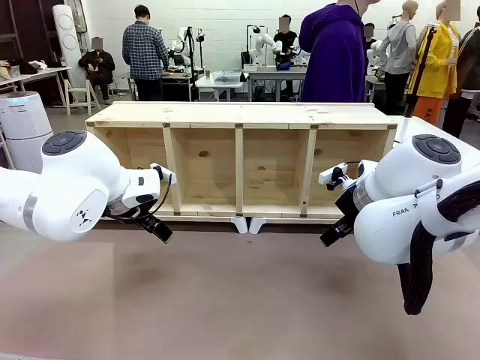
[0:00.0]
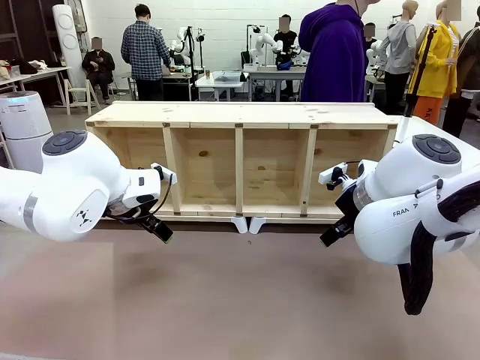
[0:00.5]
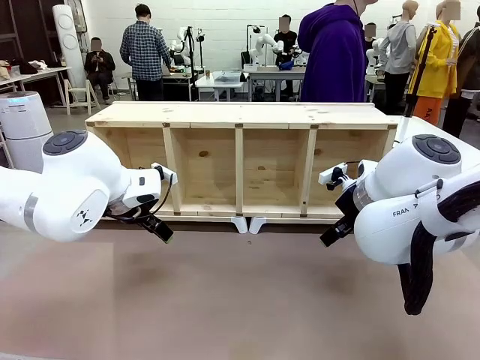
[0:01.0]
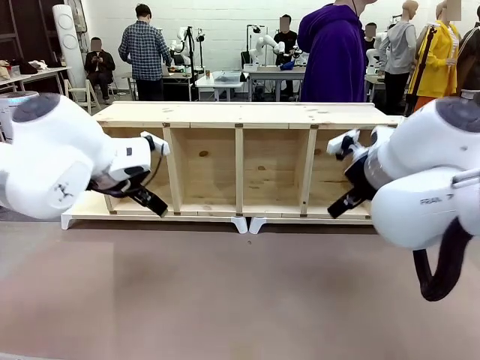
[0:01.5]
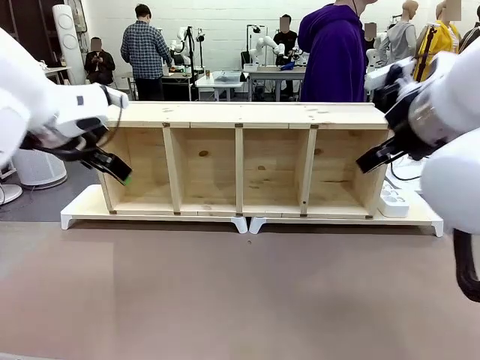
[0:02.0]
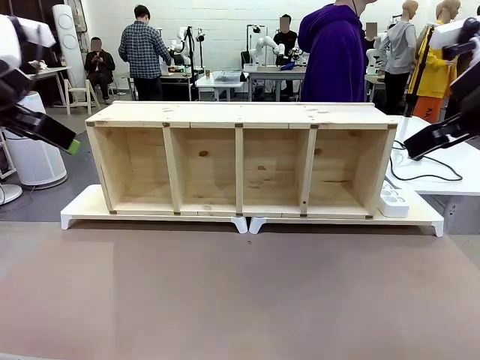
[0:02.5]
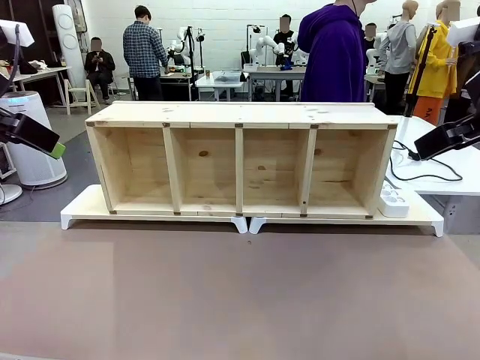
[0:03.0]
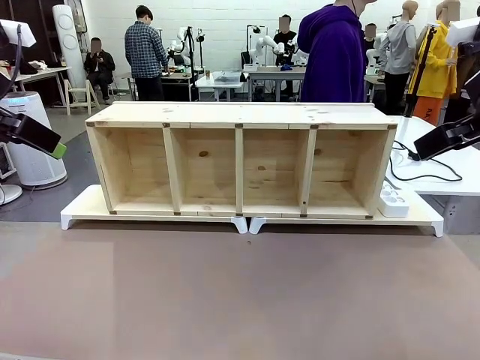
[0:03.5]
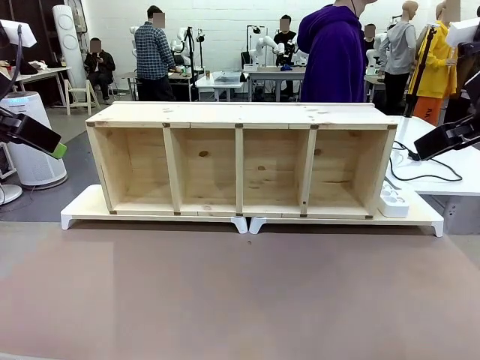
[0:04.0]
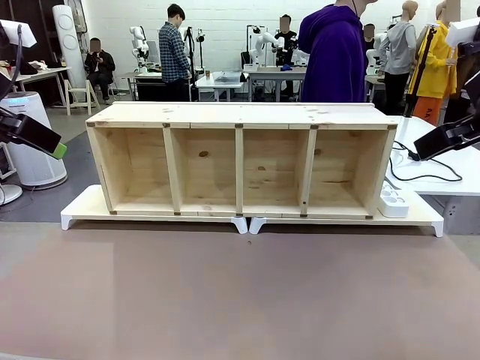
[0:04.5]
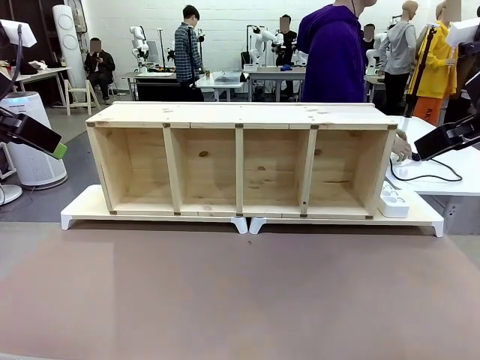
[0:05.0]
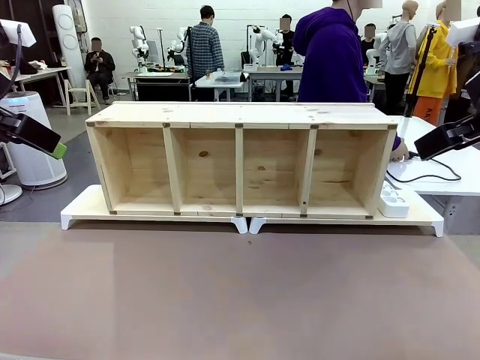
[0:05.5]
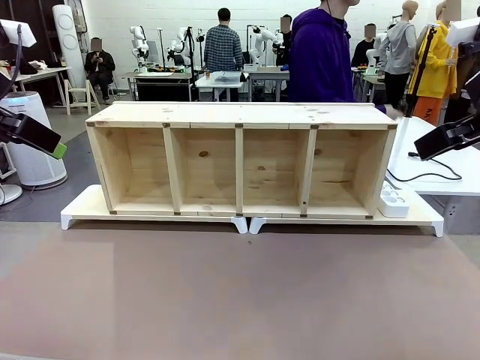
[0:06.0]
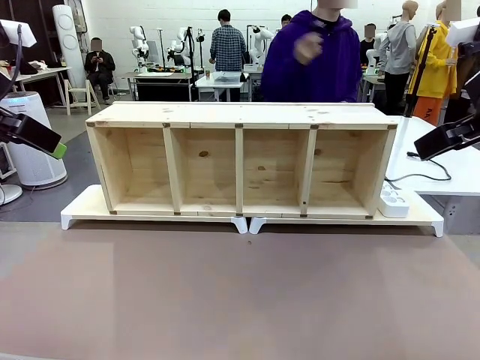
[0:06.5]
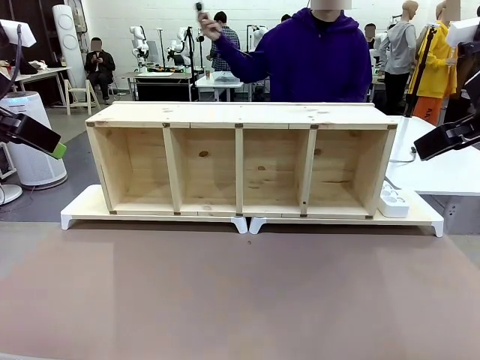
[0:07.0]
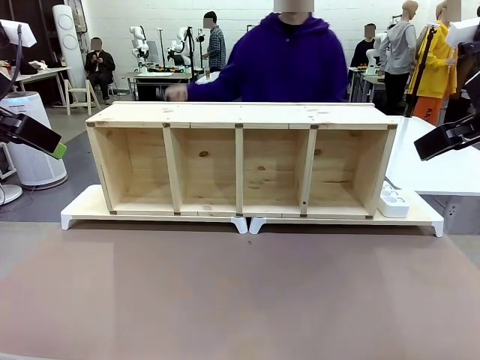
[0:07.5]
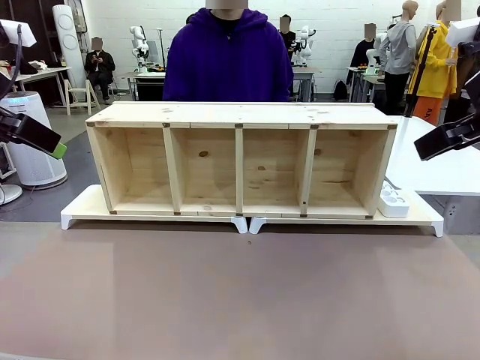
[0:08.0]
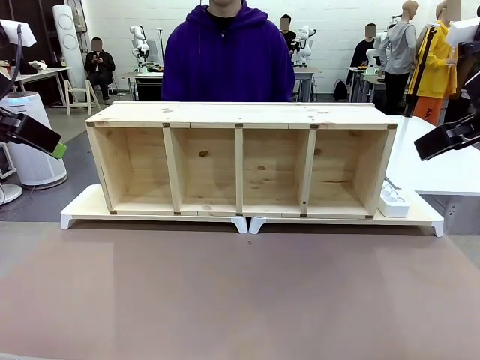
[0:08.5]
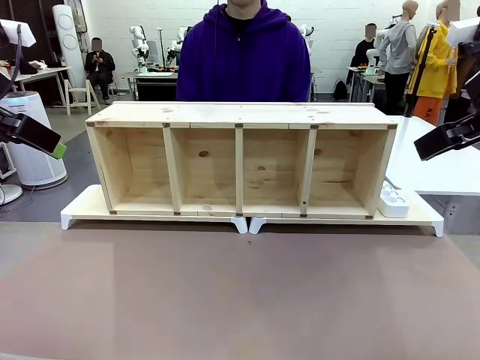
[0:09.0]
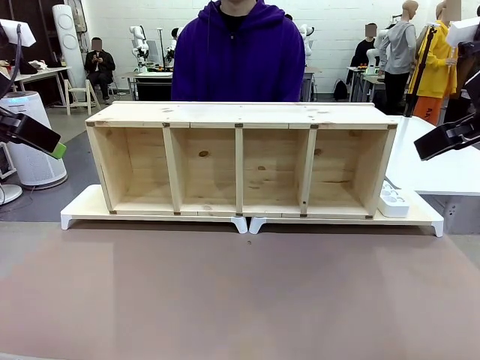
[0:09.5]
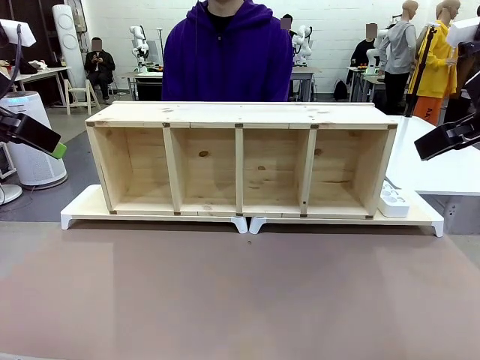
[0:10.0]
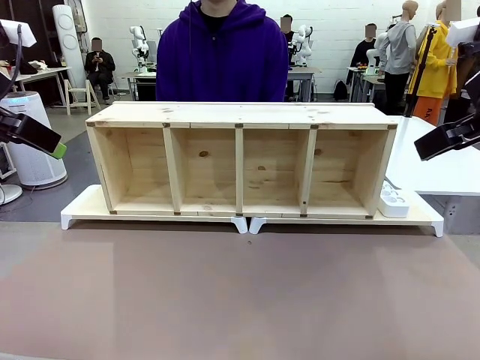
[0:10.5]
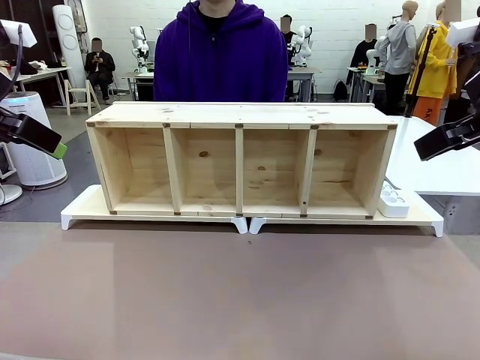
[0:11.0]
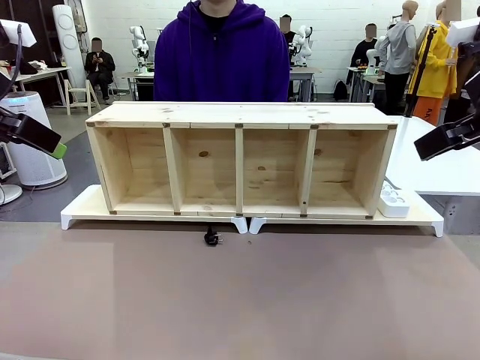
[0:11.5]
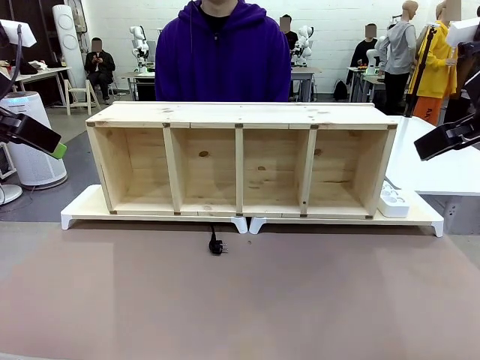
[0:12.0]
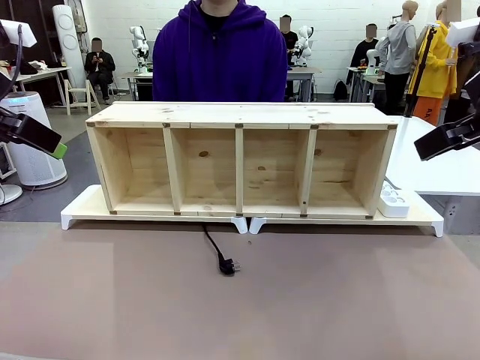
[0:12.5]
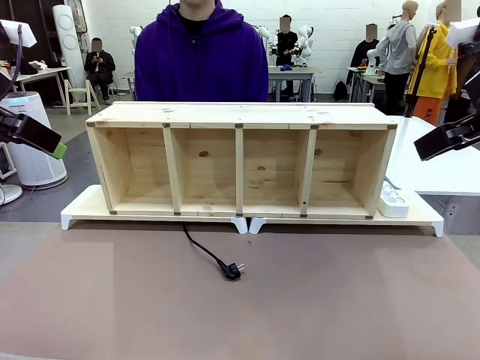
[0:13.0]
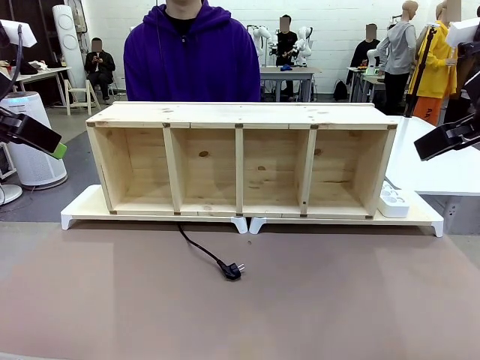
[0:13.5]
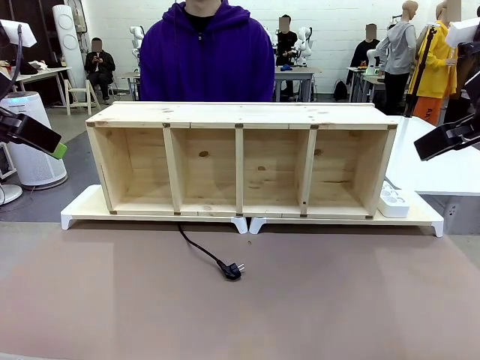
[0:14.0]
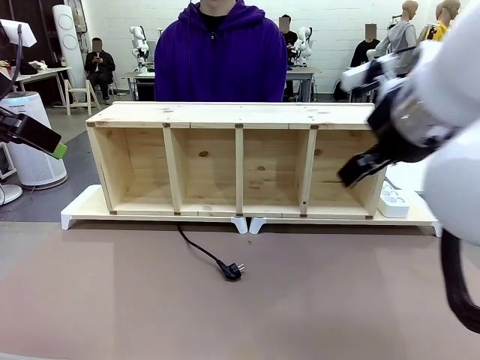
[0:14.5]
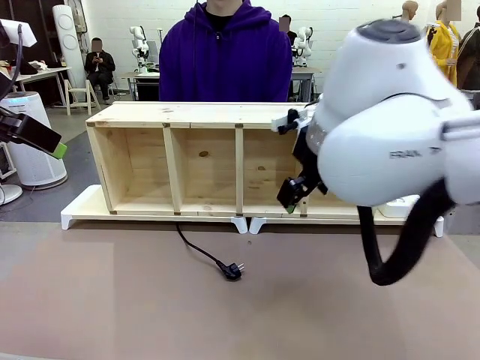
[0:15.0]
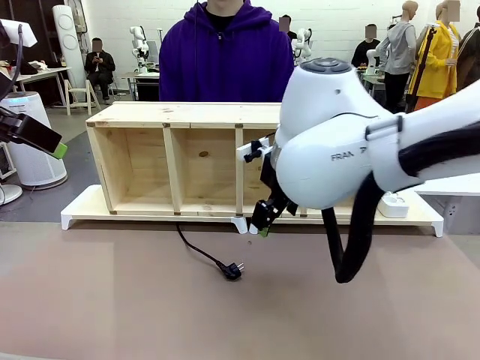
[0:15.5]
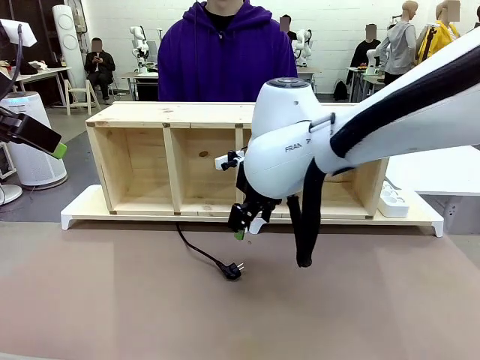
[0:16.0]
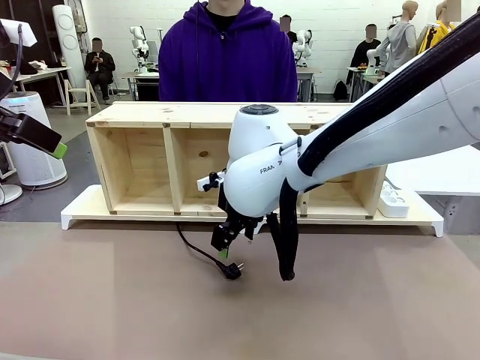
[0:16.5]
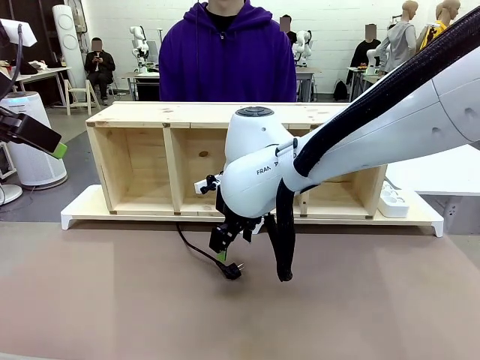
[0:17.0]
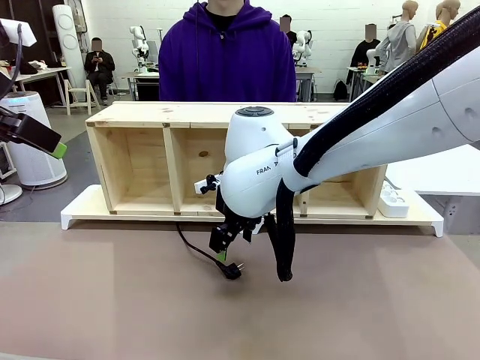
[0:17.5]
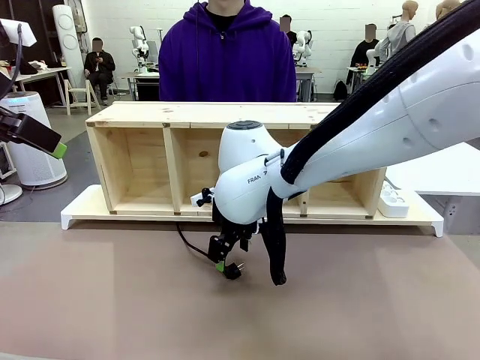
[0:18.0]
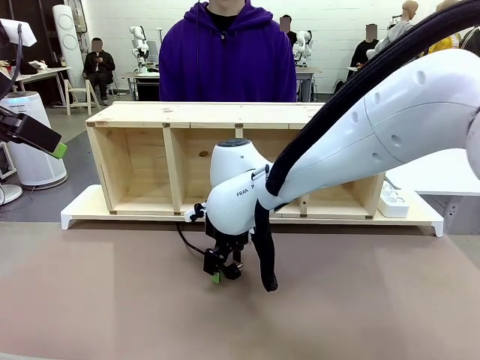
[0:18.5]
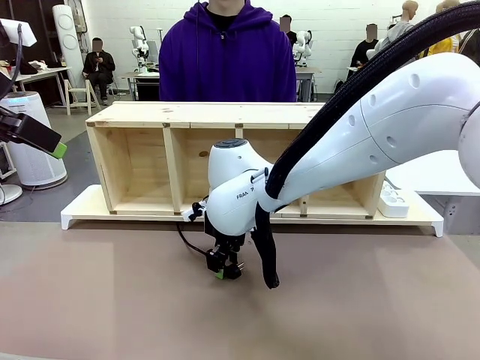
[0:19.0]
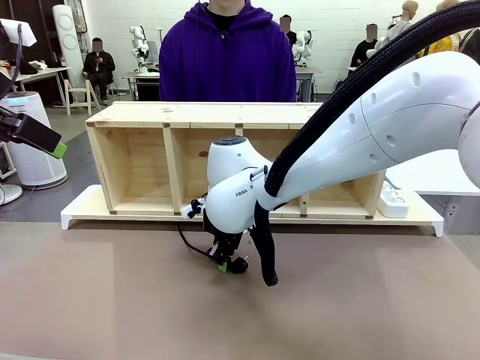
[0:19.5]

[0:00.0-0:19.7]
Task: Perform cable management.
Robot: When the cord part of the Power Cable appears at the lower middle area of the table and stops, grasp the cord part of the Power Cable.
Person: Pass the Power Cable under the Serving Table.

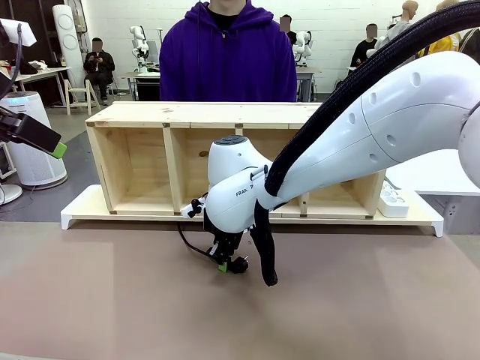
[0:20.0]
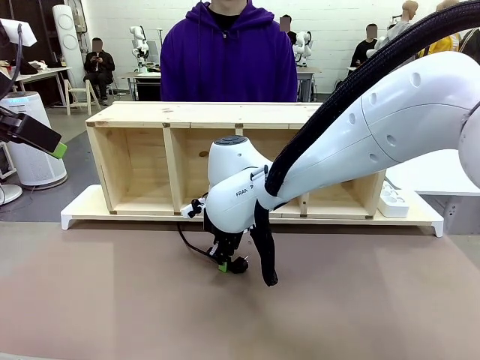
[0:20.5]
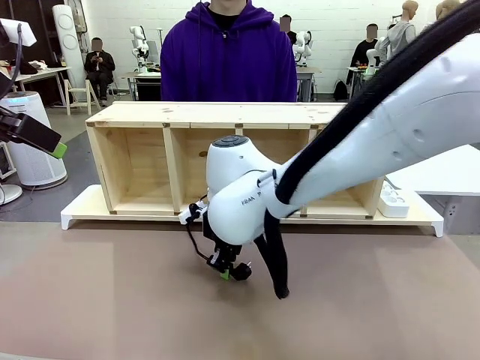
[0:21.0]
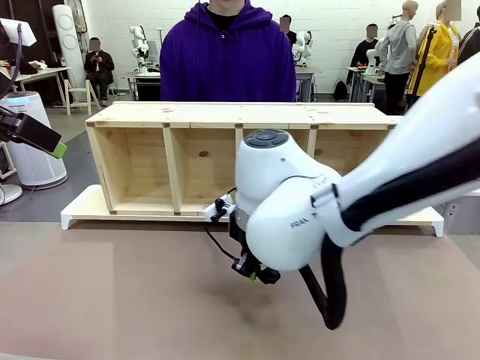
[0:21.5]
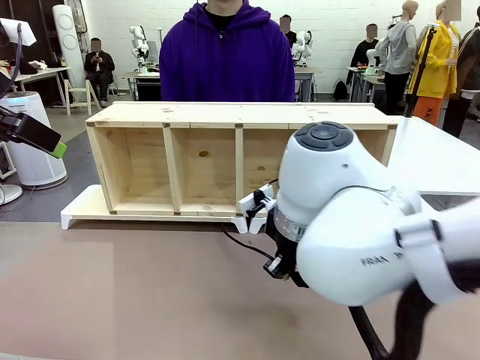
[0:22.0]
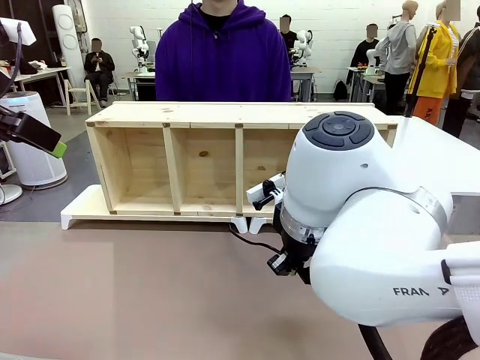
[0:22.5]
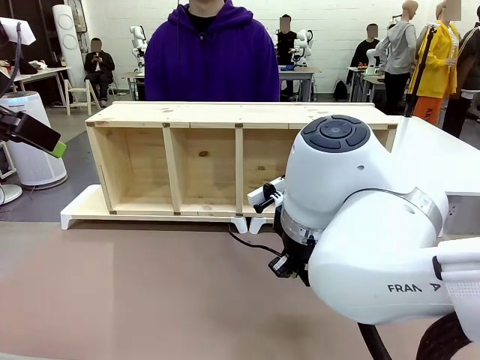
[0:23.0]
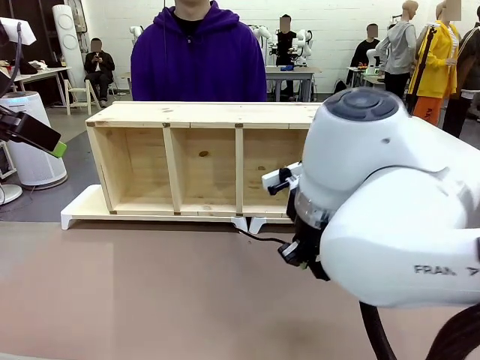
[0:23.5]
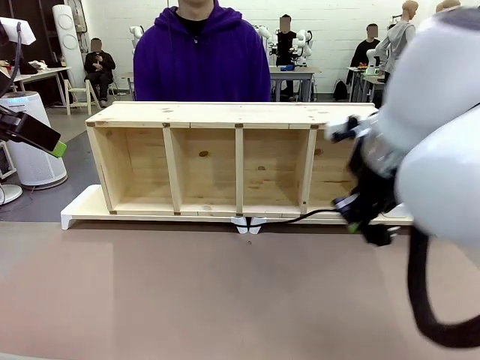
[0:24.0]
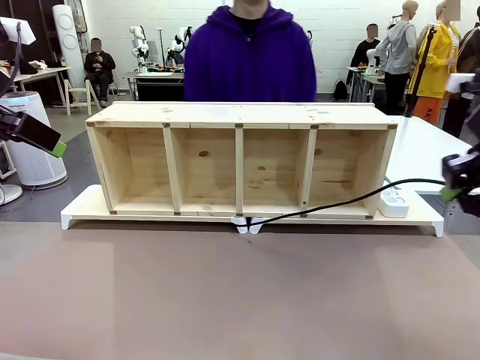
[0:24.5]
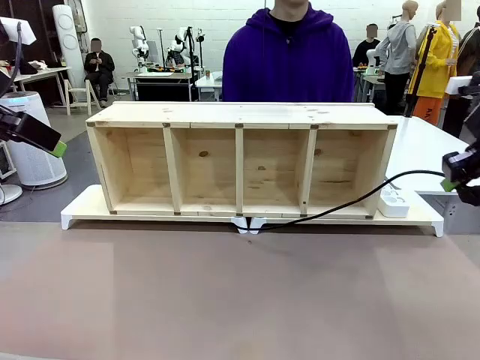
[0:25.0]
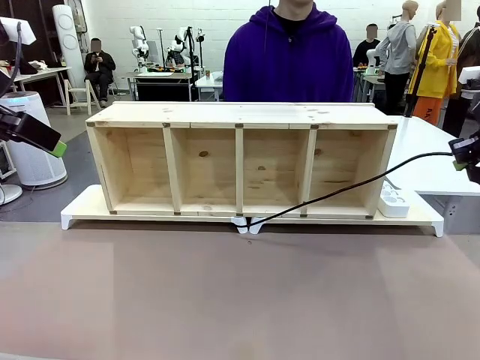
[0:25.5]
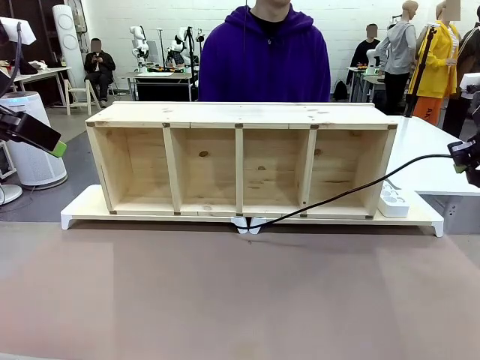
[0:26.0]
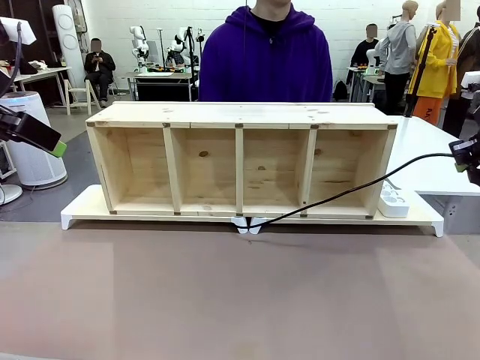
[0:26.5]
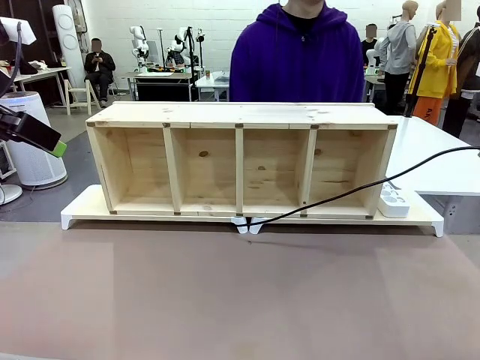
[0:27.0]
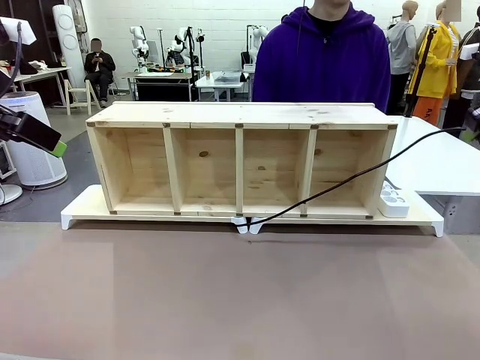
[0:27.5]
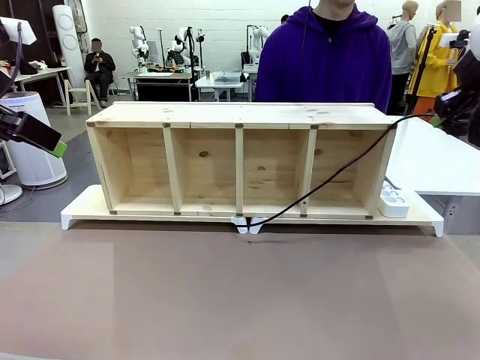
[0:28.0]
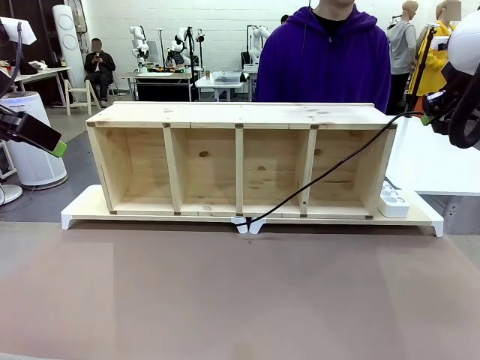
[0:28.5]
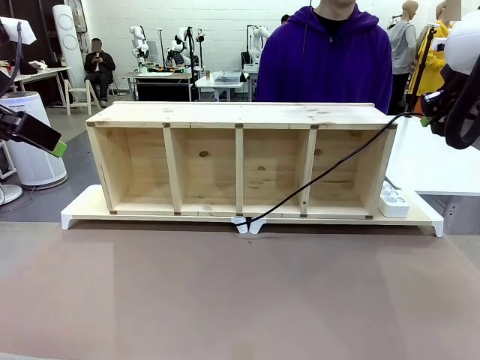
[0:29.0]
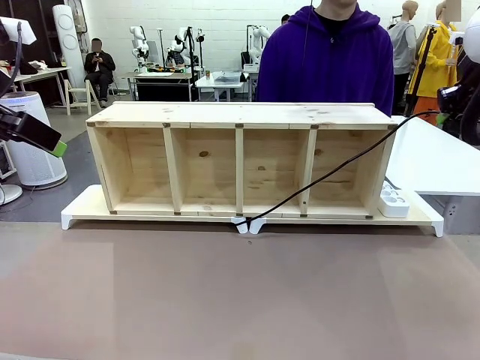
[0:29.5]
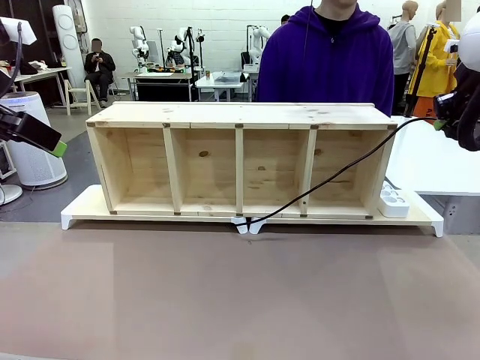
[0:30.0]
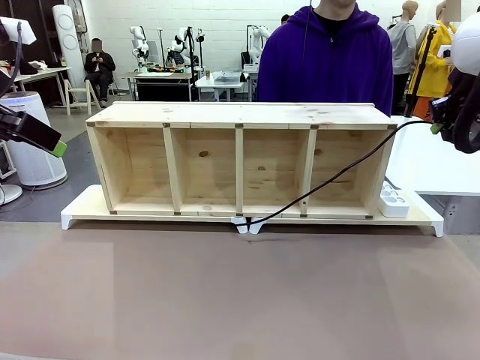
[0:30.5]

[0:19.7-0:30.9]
Robot: Pull the grasped Power Cable to the location of the Power Strip.
